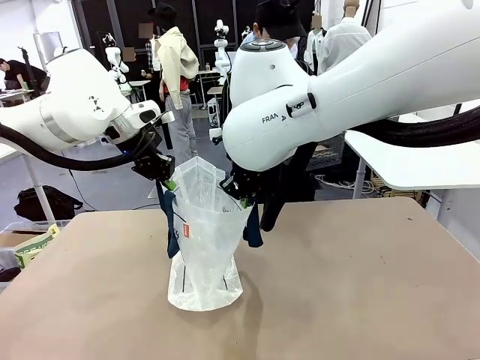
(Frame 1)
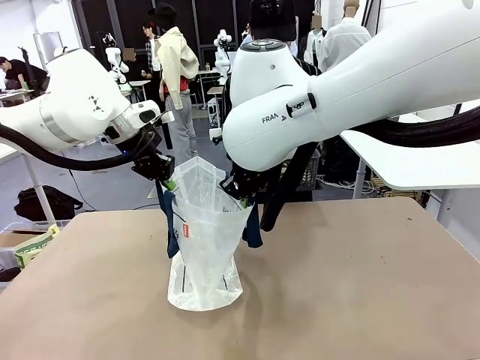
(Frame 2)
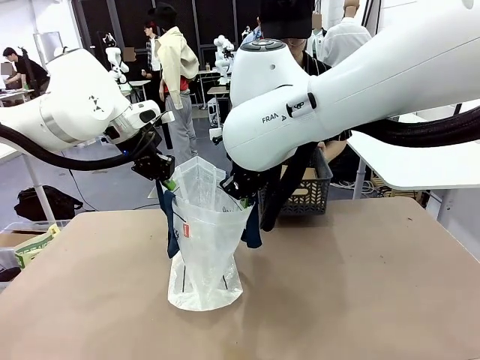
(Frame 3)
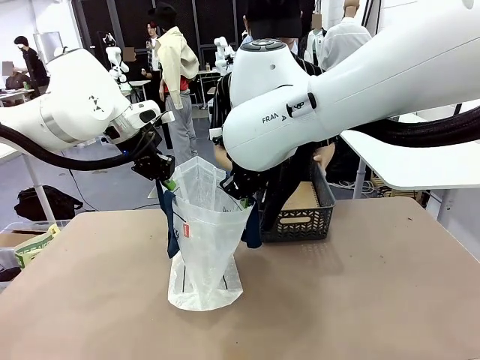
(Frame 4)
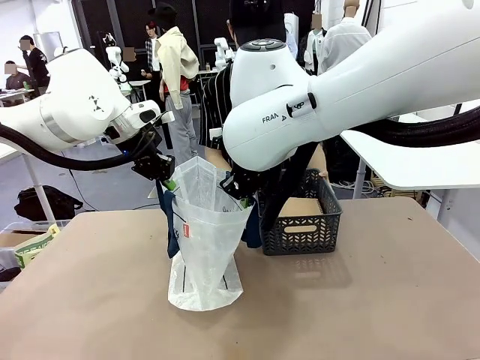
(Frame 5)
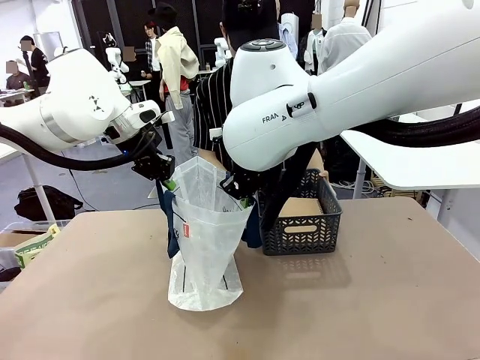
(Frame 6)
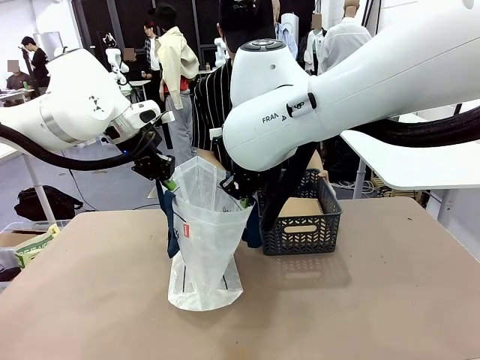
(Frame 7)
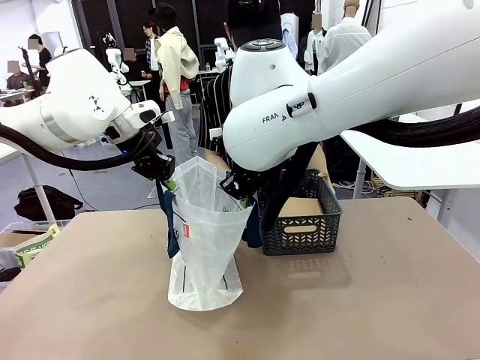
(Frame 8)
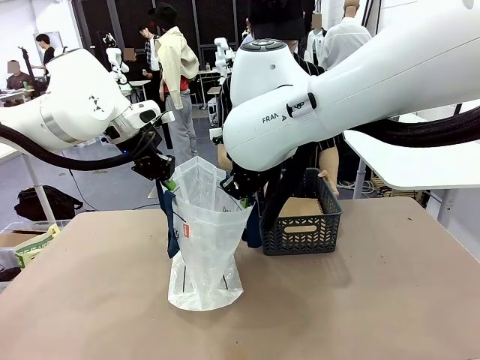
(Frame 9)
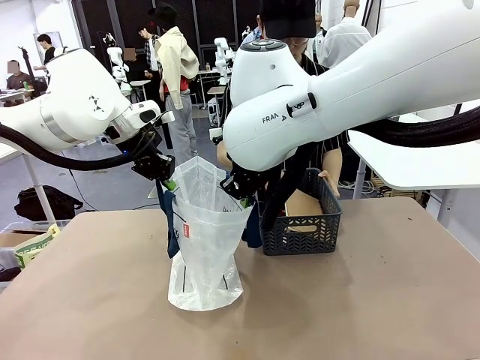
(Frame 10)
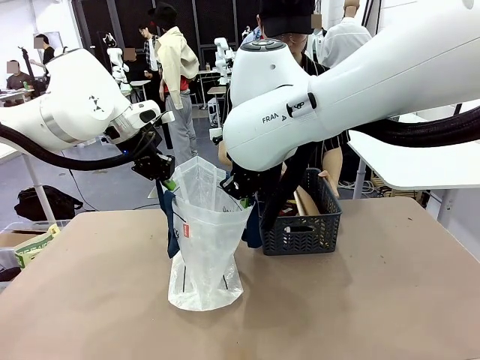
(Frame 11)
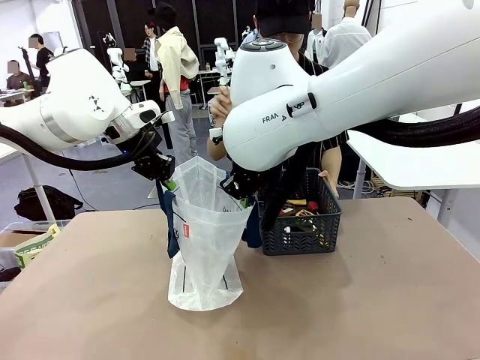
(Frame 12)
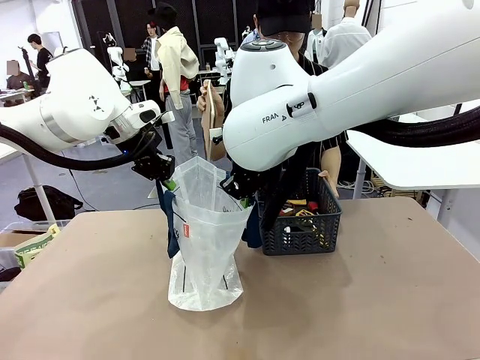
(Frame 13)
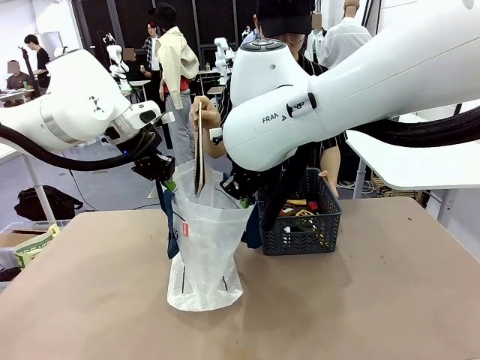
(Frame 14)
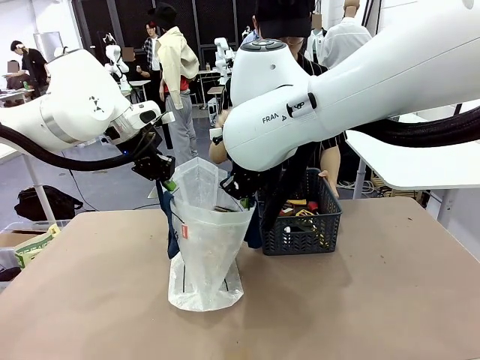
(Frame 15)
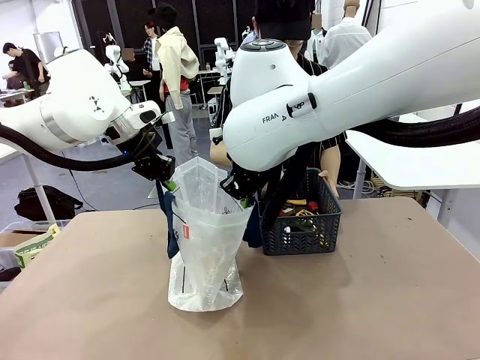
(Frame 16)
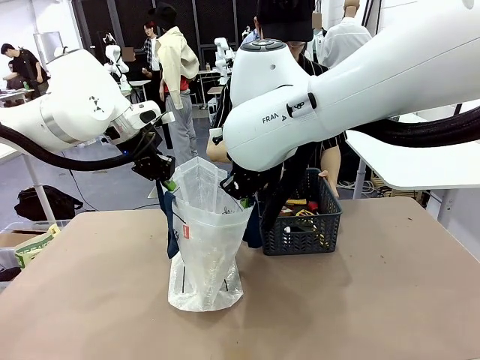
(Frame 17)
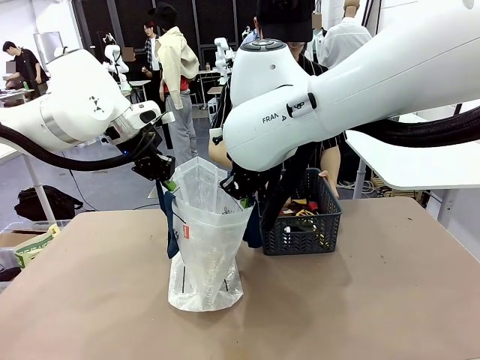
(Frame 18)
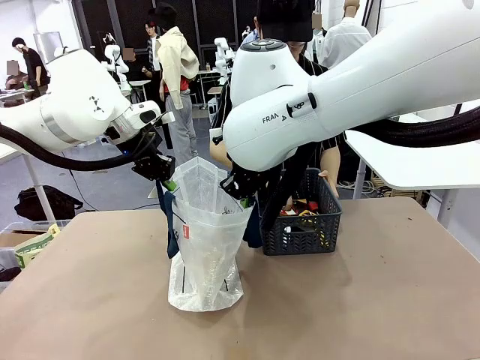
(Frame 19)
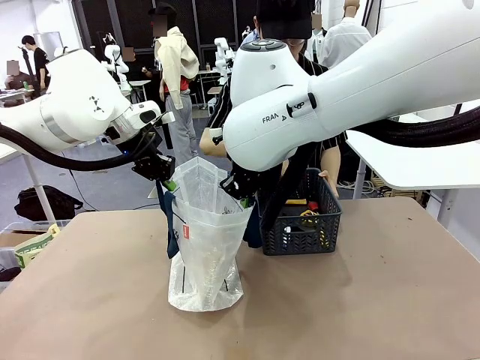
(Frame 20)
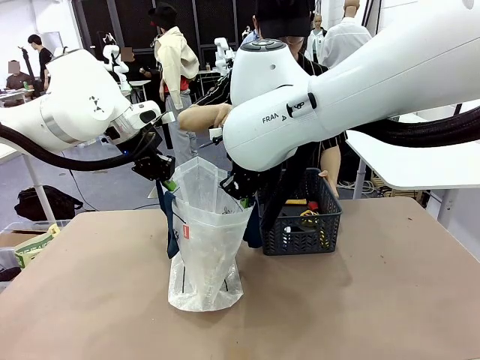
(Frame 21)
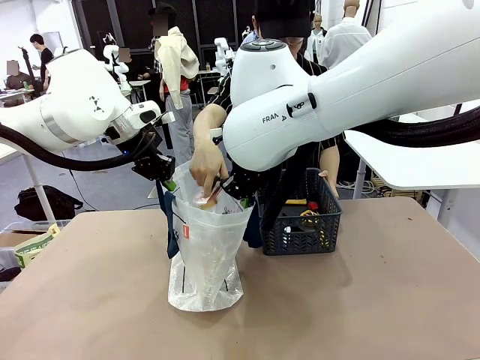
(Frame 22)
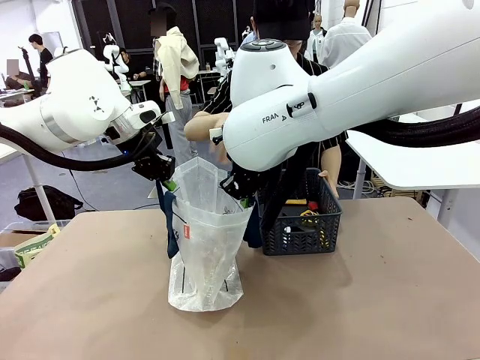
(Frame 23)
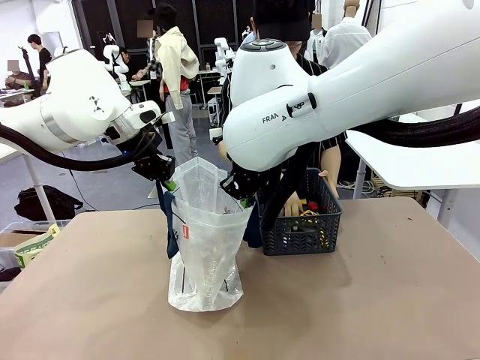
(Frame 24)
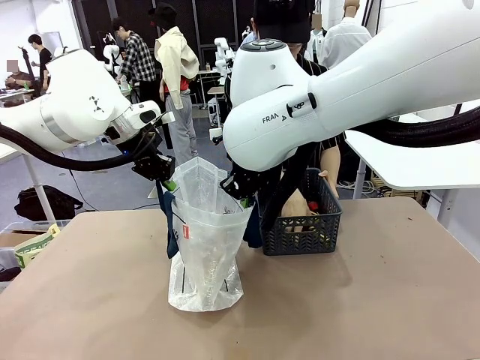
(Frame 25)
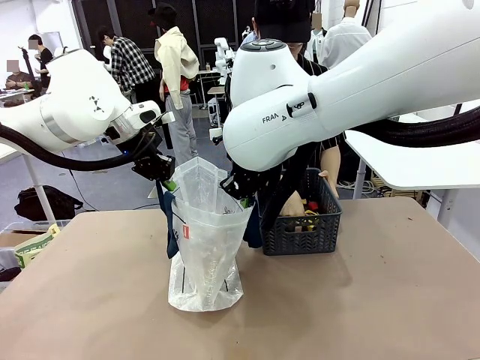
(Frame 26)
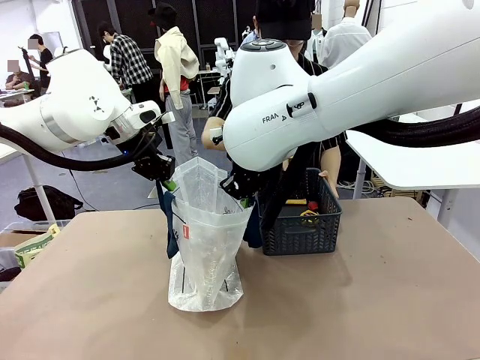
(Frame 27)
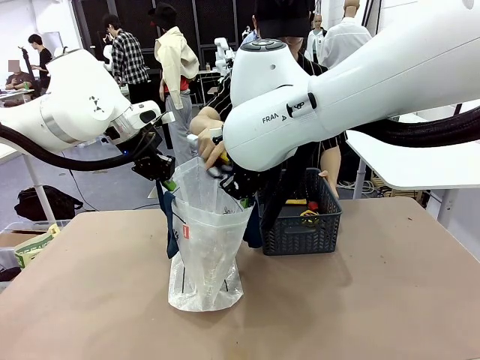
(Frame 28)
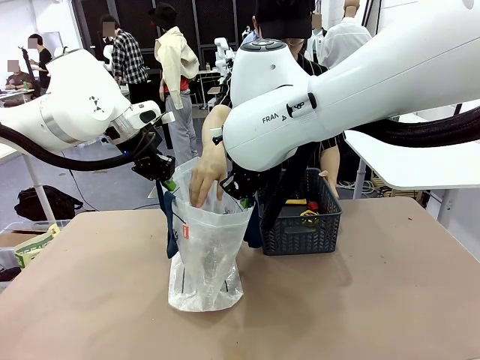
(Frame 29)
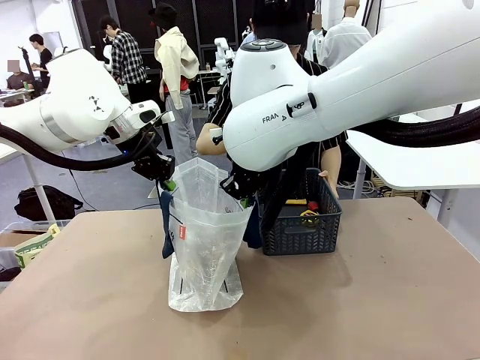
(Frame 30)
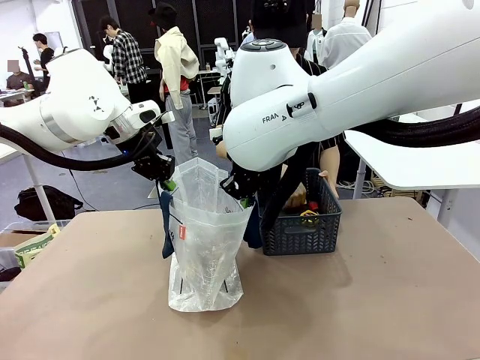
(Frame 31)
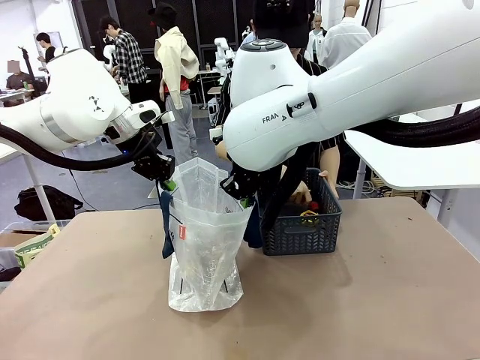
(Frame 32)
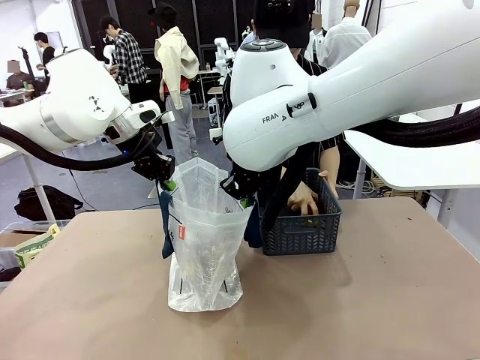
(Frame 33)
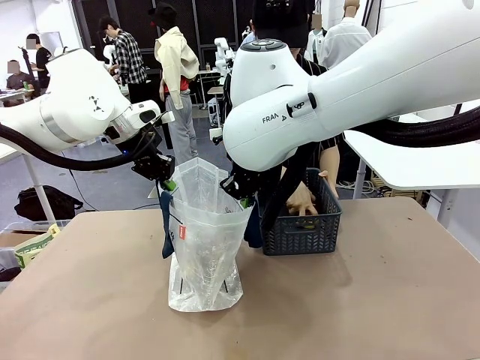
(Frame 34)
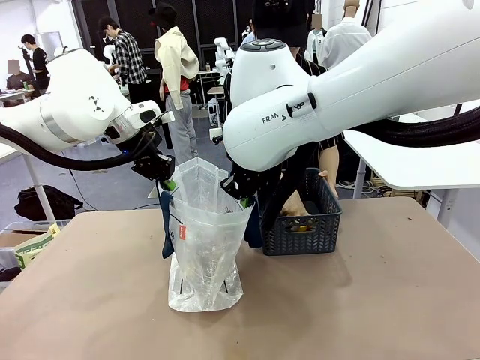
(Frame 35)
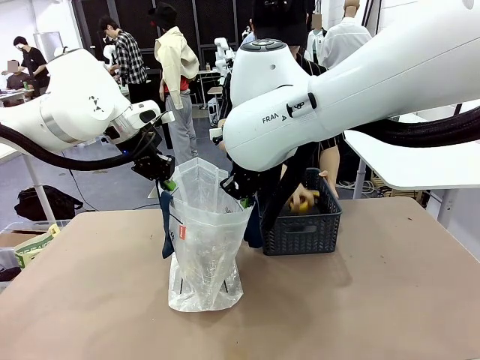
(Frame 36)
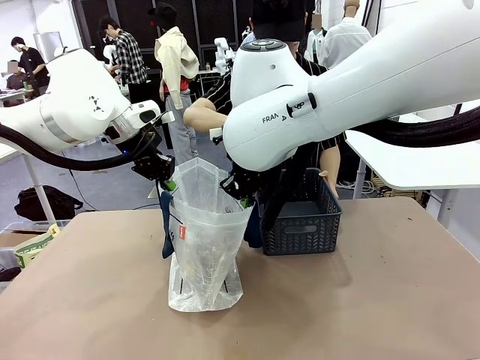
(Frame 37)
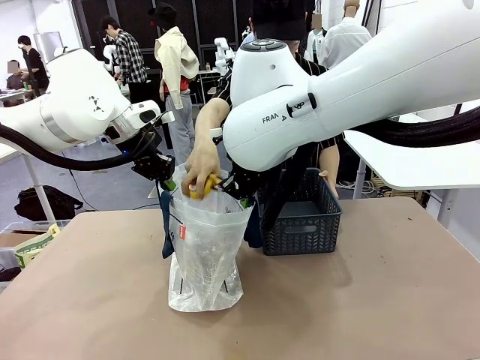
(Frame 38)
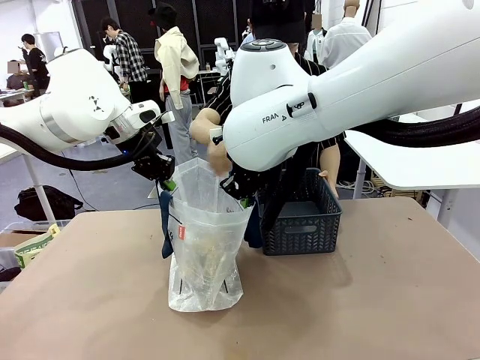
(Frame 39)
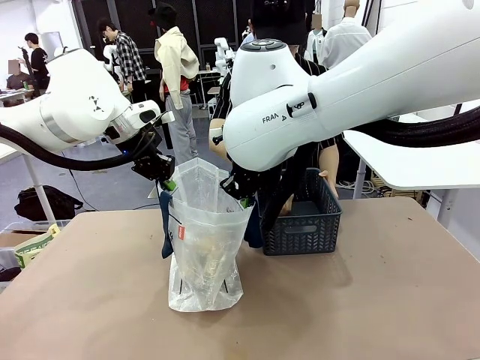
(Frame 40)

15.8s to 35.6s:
Task: Transfer purchased items from the store into the shopping bag.
Robot: Move the Reusable shopping bag to the right side of the table.
Person: Pick up the basket with the items out and place it on the right side of the human table.

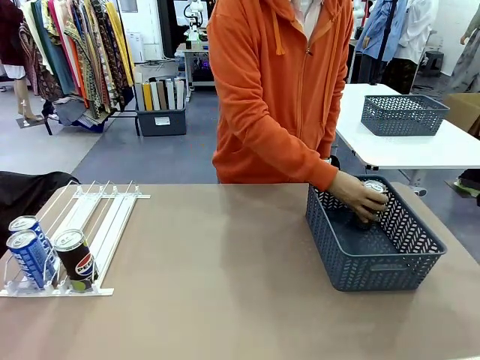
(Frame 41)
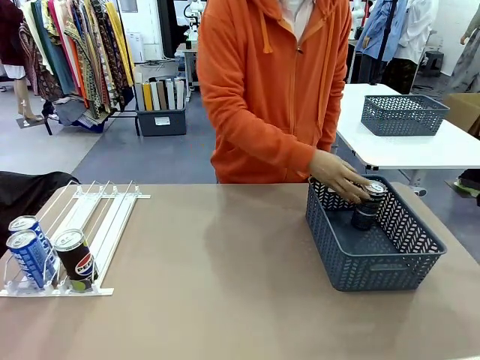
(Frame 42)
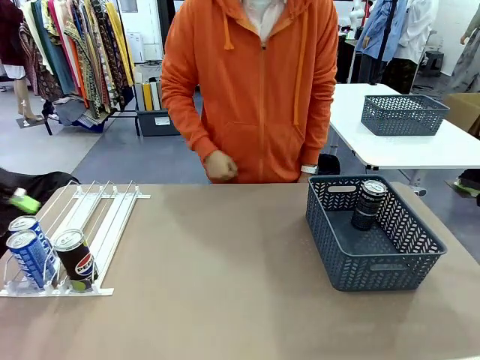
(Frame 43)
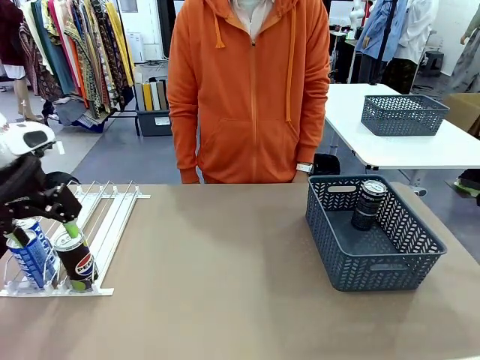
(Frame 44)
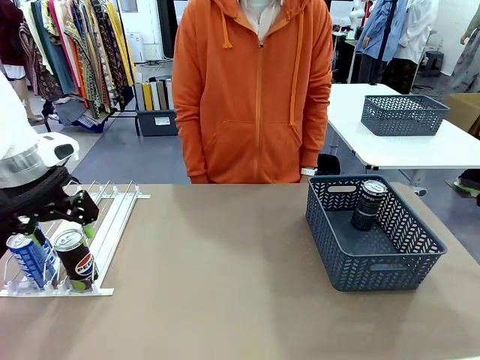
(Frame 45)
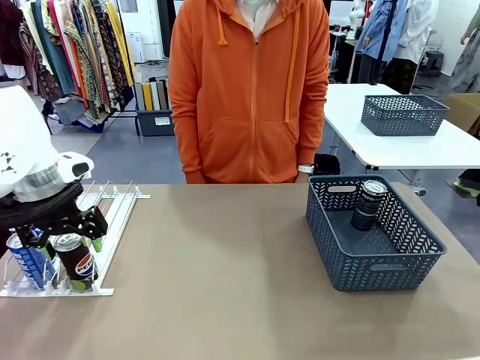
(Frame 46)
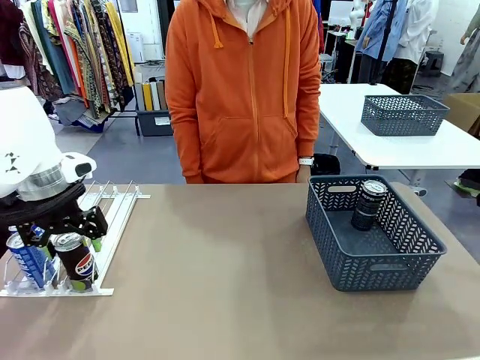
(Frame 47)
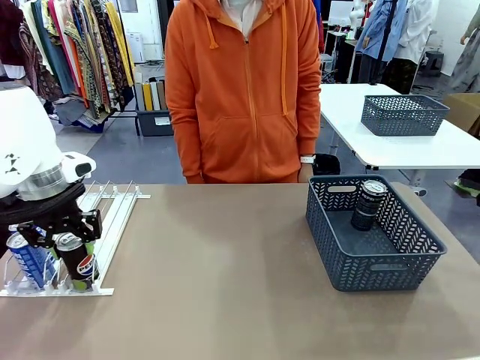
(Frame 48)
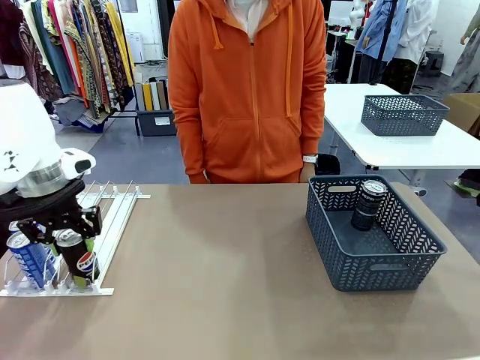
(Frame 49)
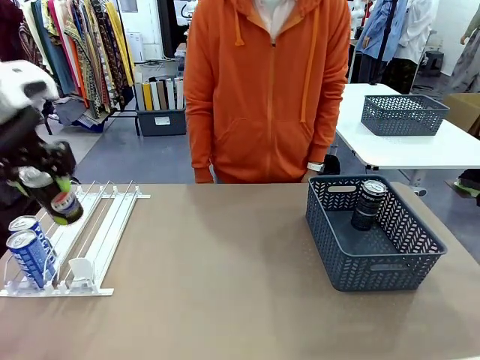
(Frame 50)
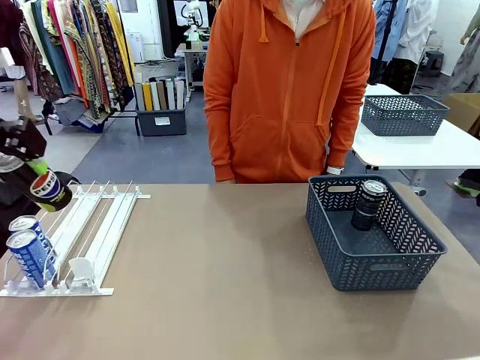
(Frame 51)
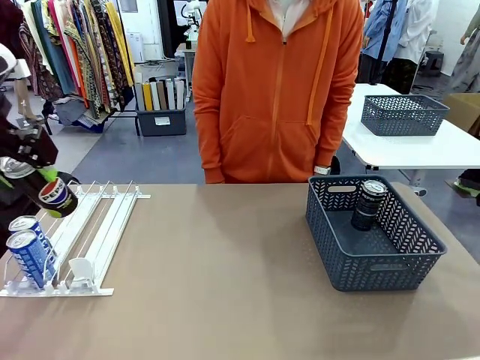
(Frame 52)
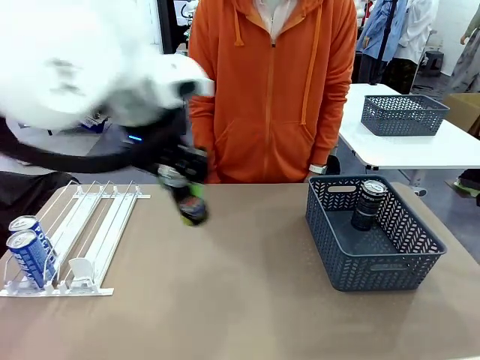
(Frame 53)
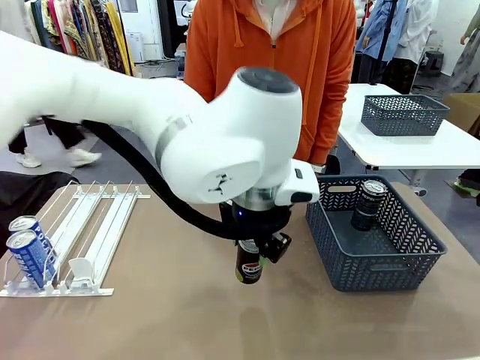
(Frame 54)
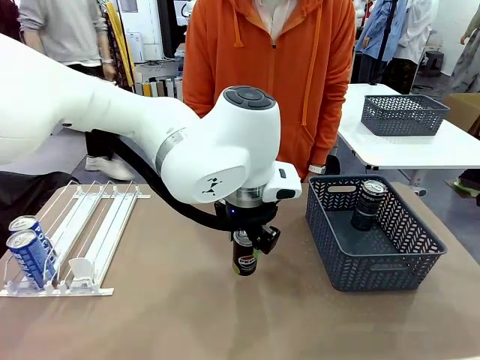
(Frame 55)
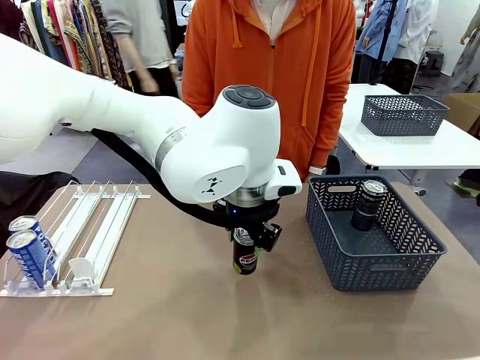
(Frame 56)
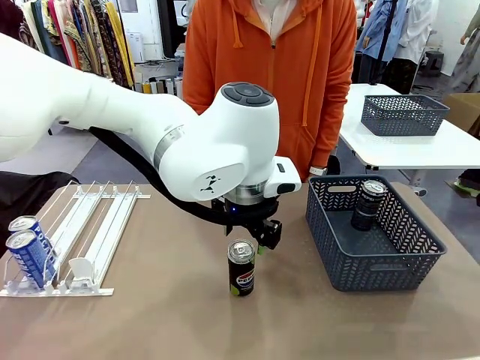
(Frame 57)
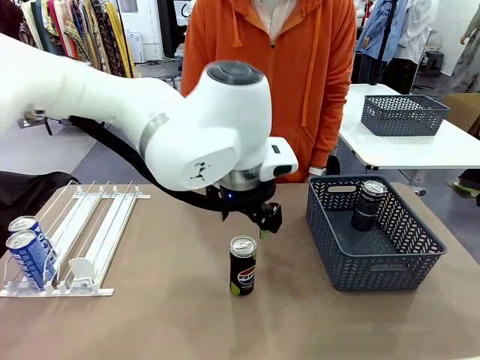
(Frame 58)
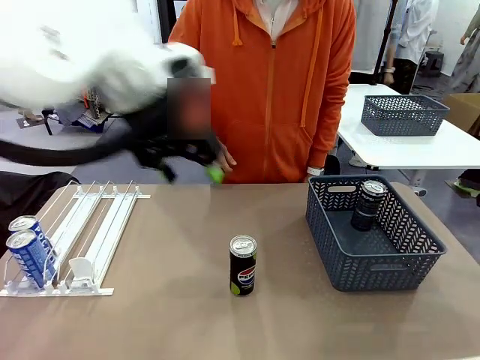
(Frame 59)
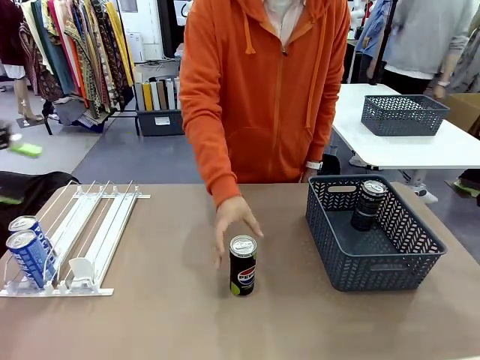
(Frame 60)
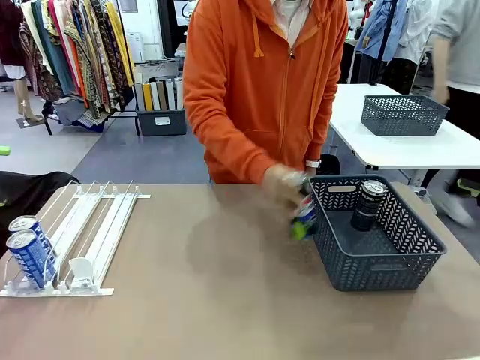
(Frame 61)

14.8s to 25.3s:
Task: Retrieve and store the cans from the dispenser.
Robot: Pick up the last remaining can from one row of the Automatic Can Dispenser and place it in the middle of the table.
Person: Pick up one Pepsi can from the middle of the robot table and place it in the basket.
